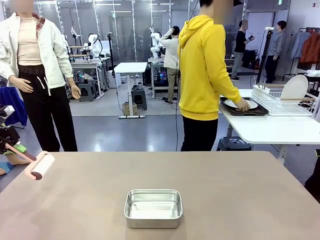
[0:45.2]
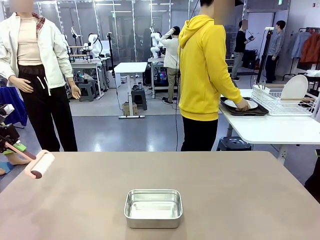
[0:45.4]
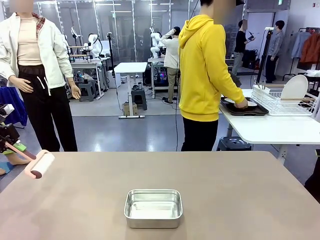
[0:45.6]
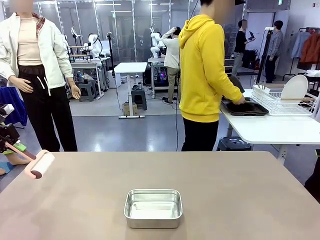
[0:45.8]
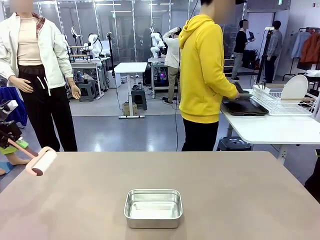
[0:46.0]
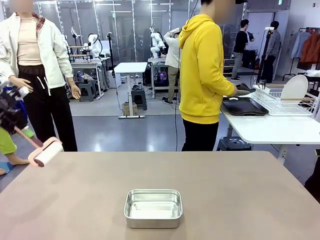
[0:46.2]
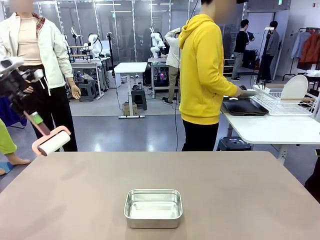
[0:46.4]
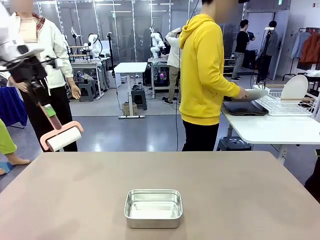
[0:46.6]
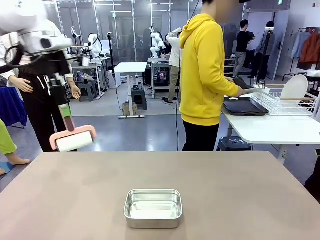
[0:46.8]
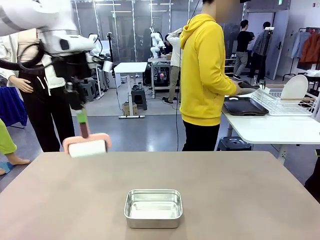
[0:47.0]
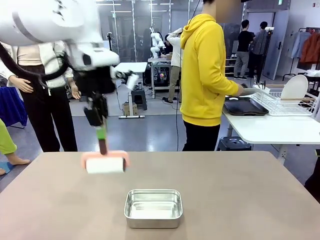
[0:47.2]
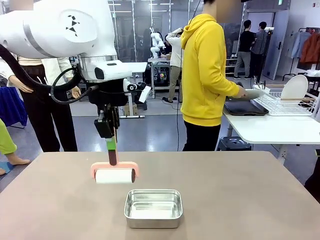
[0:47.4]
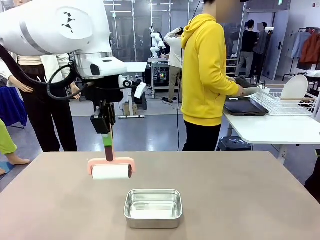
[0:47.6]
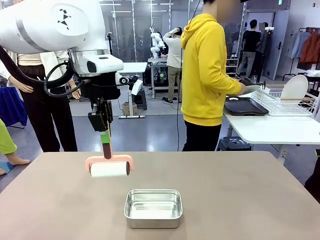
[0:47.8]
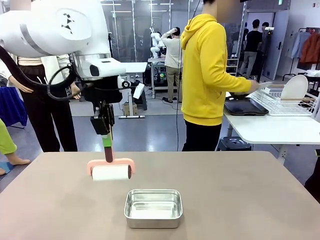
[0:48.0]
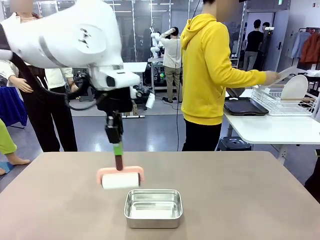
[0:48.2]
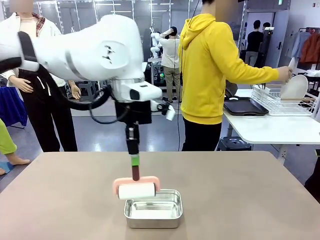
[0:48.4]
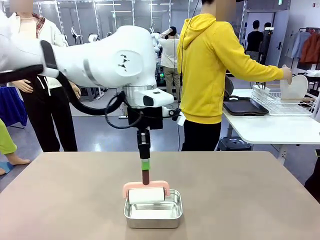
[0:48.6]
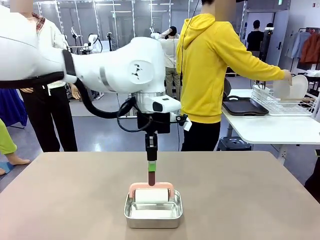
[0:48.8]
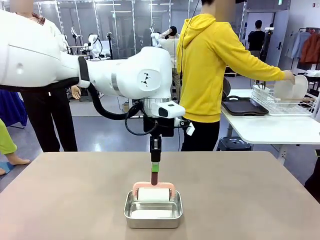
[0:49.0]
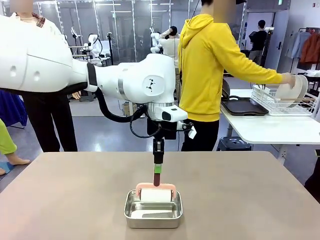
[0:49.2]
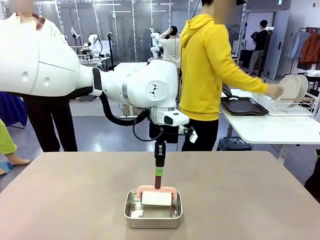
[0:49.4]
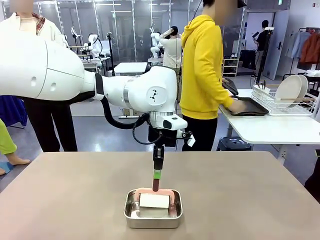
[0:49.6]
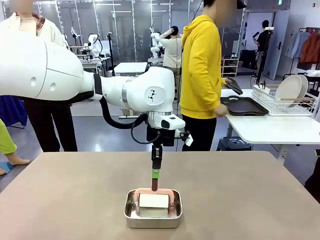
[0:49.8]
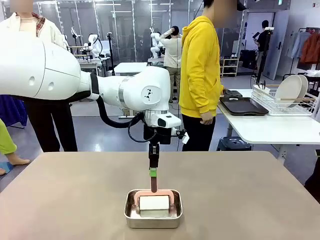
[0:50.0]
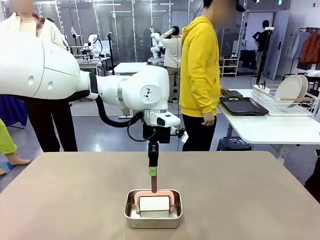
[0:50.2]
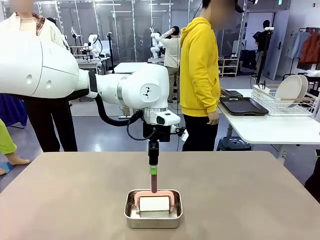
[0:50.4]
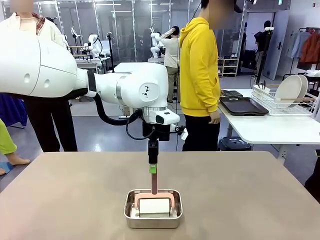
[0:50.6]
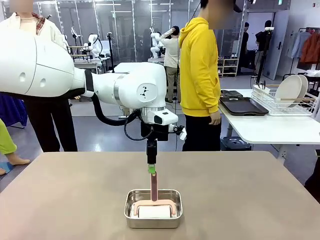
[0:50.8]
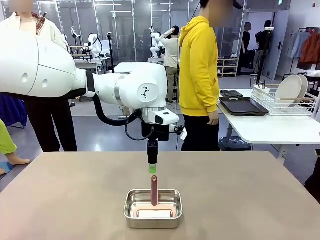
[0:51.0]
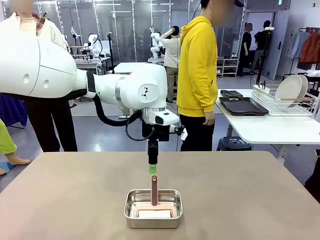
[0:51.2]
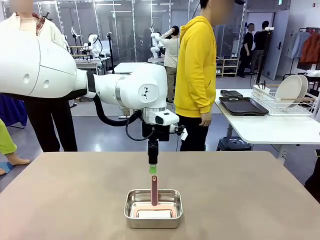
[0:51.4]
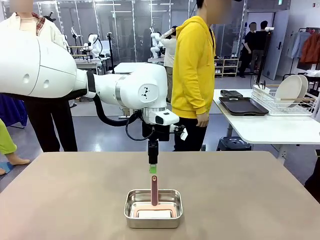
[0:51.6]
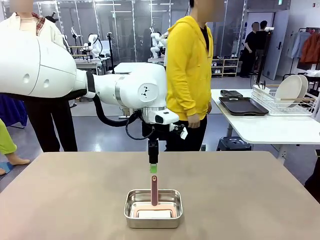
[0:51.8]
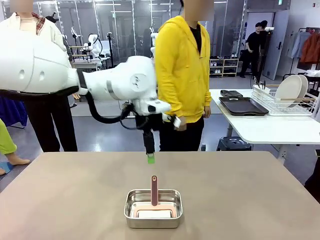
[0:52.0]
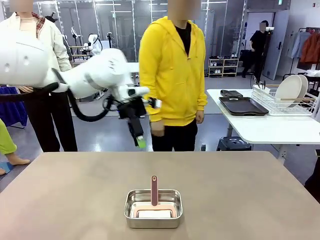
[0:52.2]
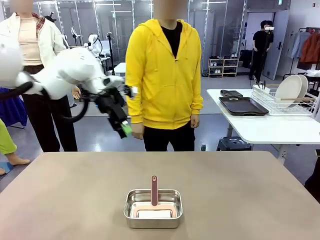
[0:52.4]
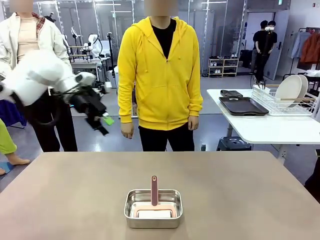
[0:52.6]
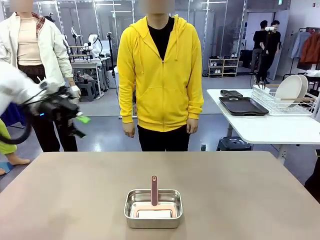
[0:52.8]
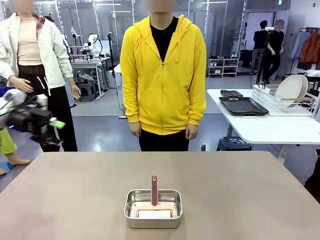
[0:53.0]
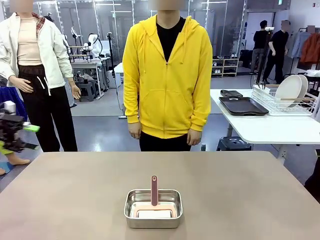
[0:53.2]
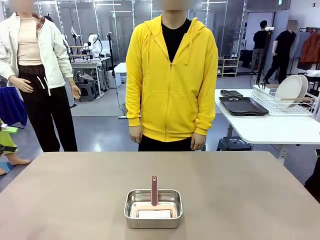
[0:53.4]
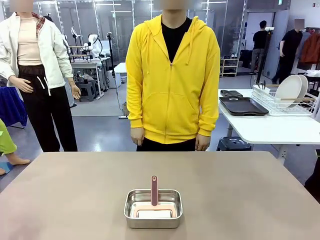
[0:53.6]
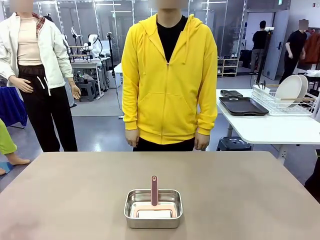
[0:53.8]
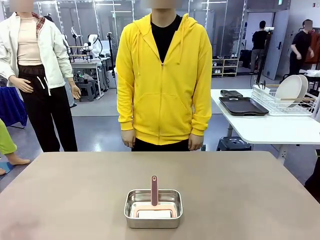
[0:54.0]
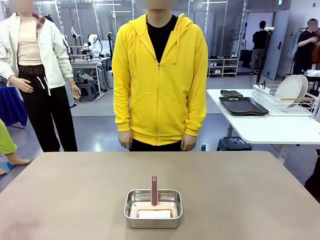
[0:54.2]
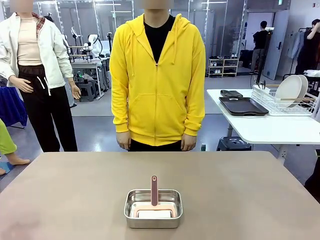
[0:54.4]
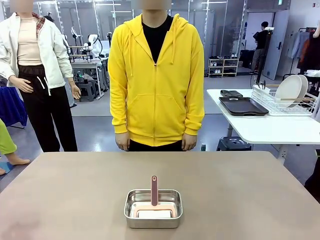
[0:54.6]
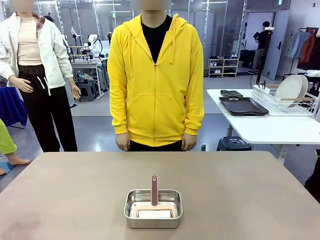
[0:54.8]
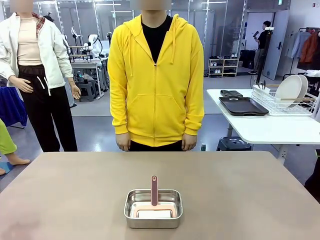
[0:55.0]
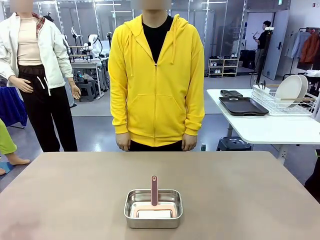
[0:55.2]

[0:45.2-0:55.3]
Robot: Place the Lint Roller back on top of the Airtight Container.

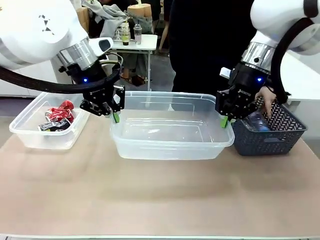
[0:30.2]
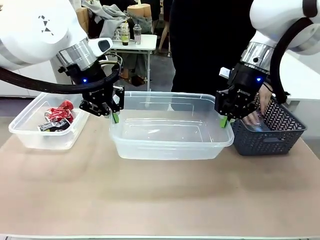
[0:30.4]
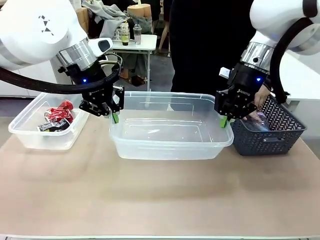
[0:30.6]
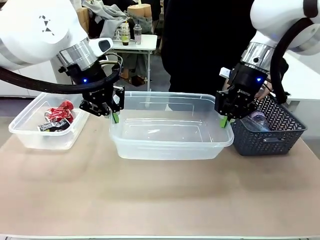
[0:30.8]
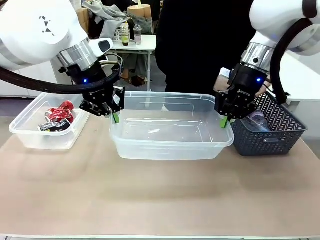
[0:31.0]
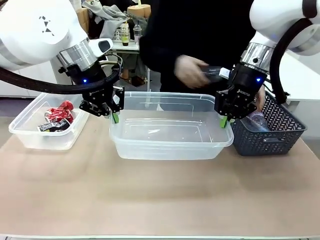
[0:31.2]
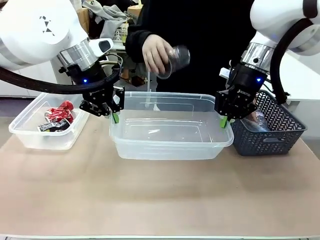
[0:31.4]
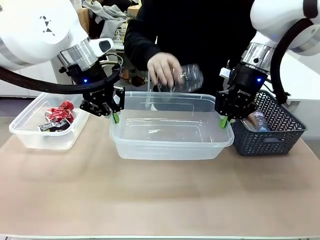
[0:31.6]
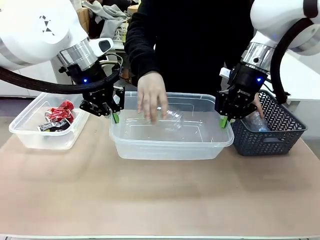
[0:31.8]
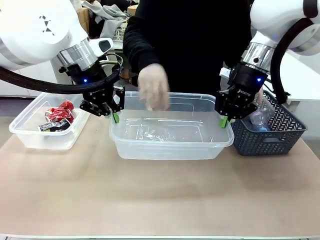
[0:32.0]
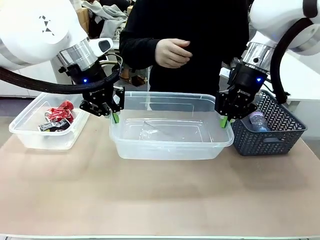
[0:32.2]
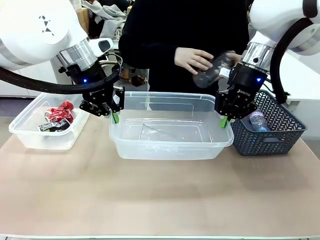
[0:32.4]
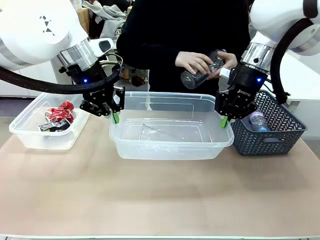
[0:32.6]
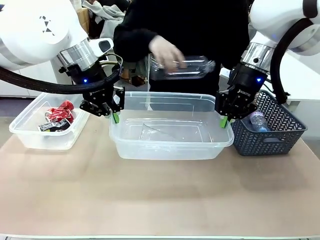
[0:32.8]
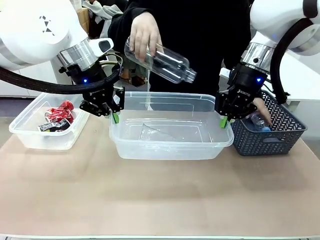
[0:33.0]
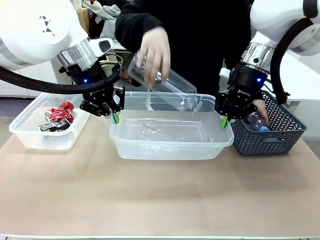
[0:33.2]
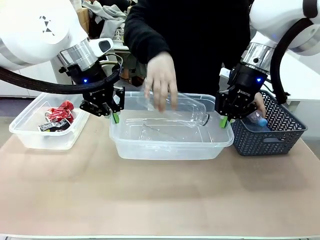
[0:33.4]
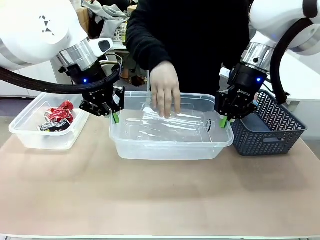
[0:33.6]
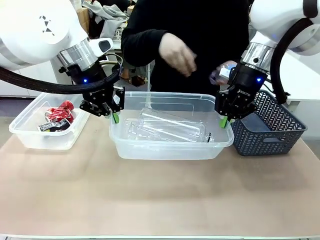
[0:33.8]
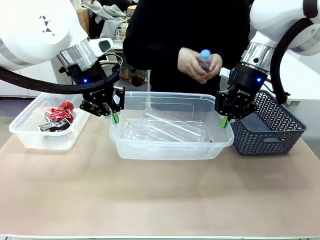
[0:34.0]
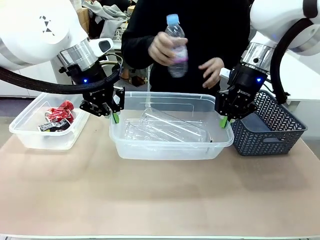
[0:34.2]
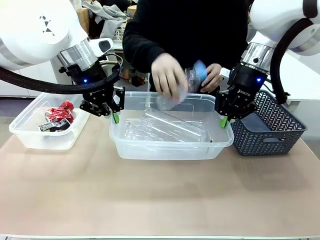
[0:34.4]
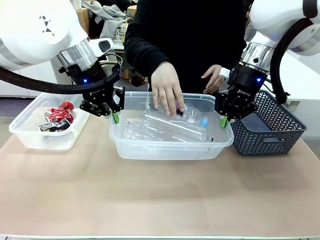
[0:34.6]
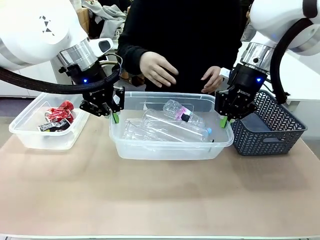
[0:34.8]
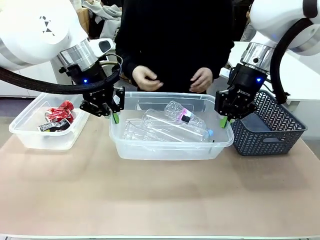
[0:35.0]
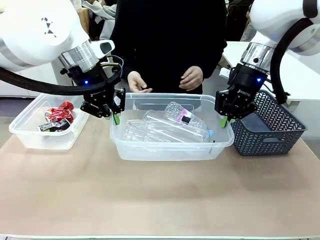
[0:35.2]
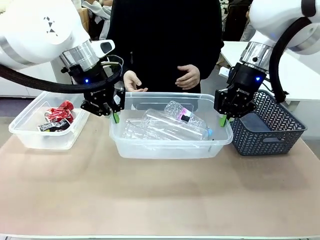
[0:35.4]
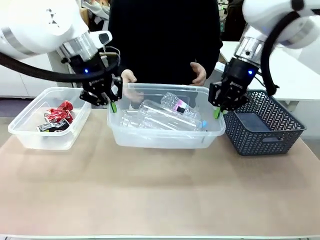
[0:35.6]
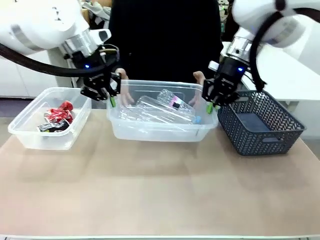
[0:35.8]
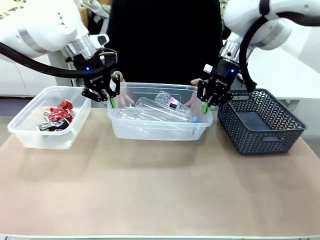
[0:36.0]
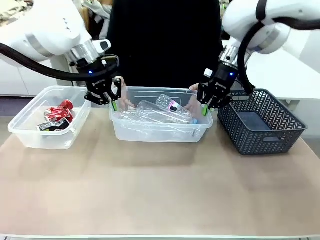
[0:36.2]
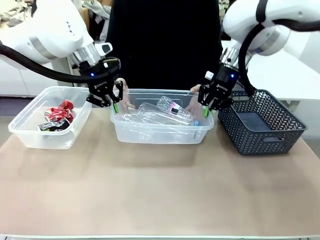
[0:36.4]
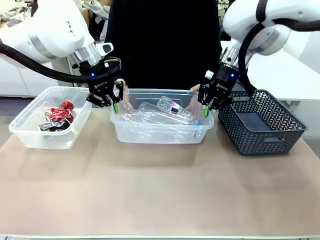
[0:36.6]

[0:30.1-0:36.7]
Robot: Offer the picked Organizing box to the human.
Person: Pick up plastic waste one by one and place it into the organizing box lifted by the robot.

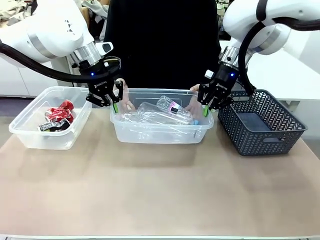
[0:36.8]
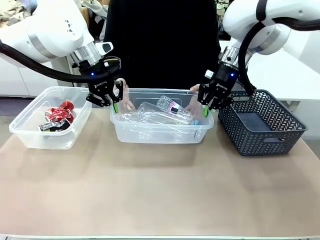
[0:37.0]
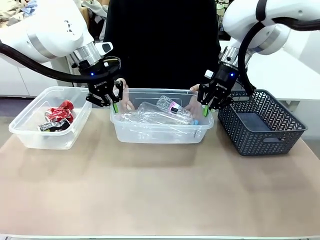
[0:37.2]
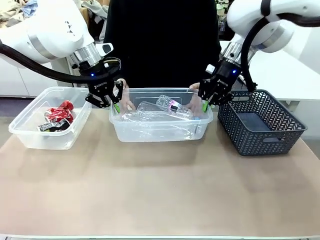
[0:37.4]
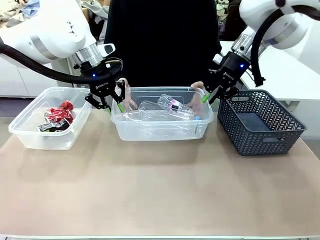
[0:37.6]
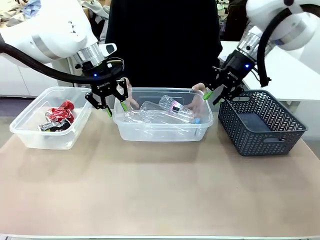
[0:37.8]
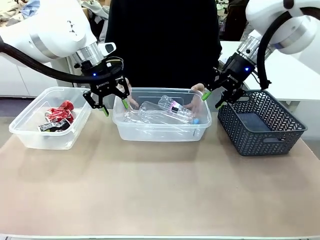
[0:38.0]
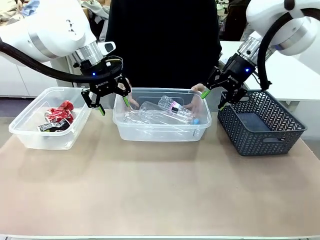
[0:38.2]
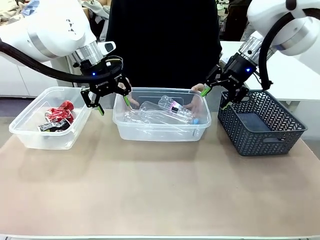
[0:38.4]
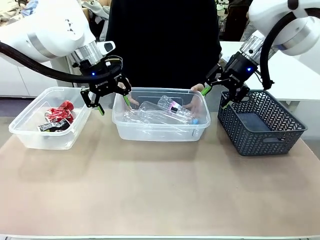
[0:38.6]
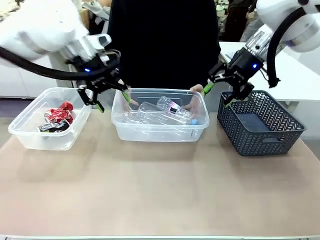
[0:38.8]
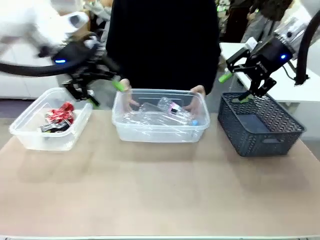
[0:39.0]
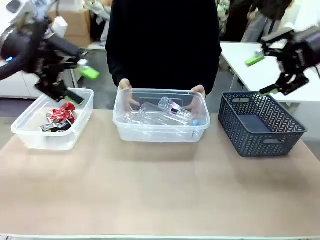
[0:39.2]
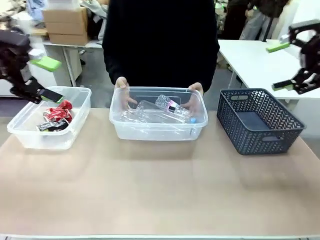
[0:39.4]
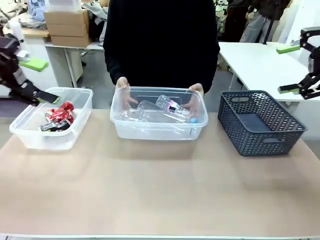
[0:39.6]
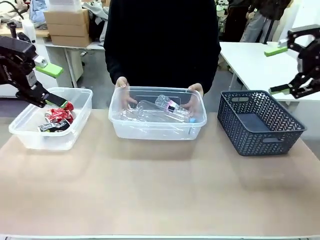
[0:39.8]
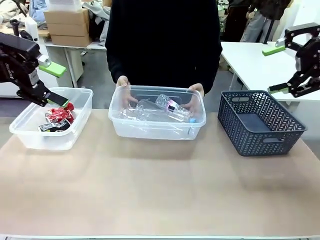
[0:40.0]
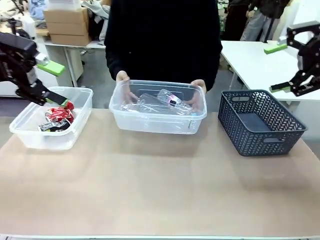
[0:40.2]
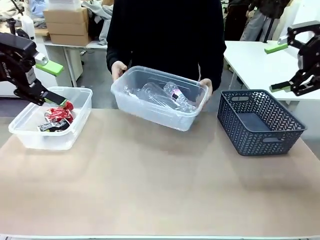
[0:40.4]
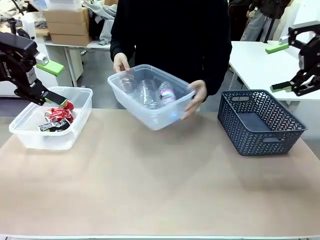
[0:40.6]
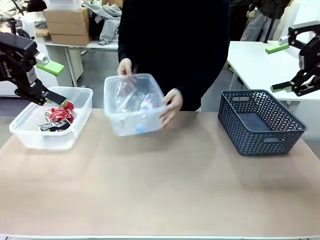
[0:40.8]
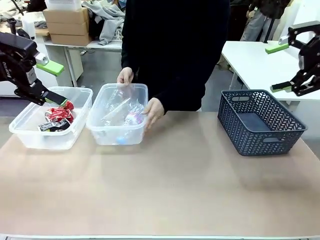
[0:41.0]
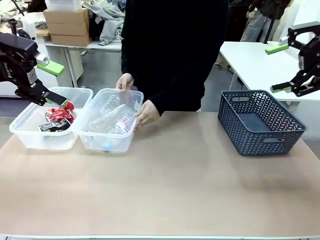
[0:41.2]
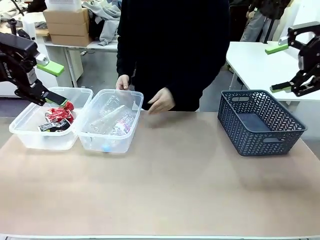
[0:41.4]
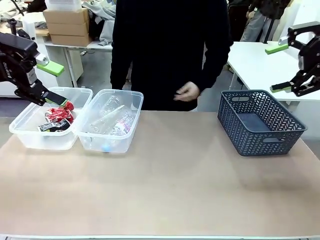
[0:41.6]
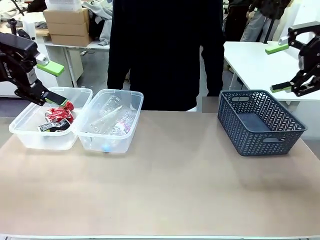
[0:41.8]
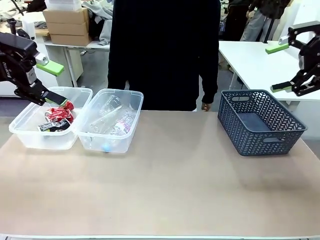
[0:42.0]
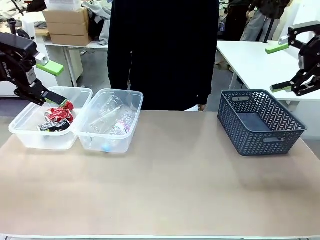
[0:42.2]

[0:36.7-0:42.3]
Robot: Release the Organizing box you were holding.
Person: Pick up the organizing box extended by the robot. Place the organizing box to the left of the sorting box containing the can waste.
